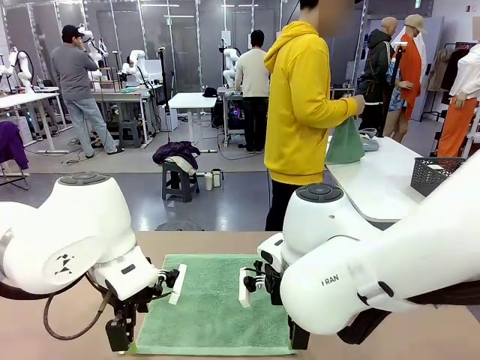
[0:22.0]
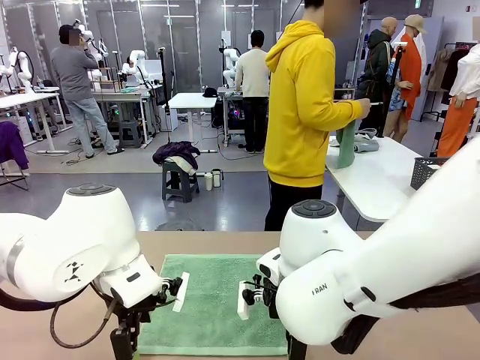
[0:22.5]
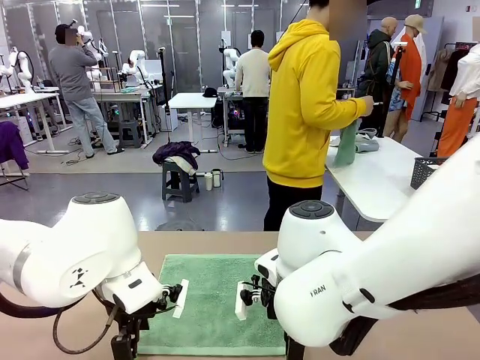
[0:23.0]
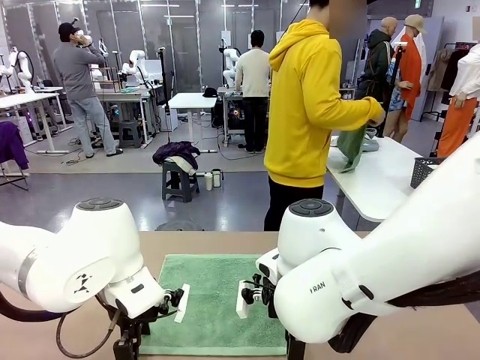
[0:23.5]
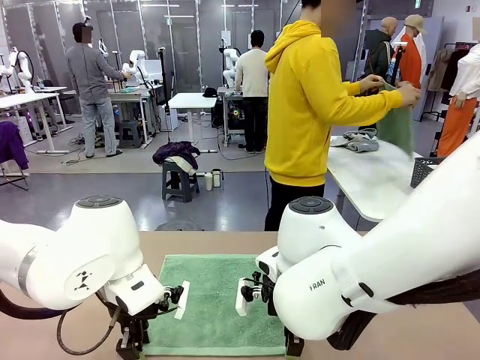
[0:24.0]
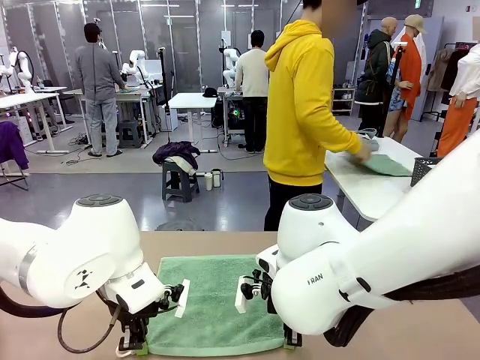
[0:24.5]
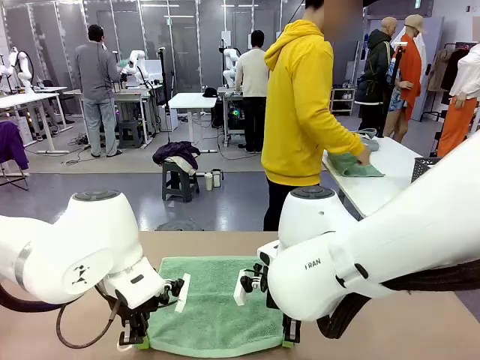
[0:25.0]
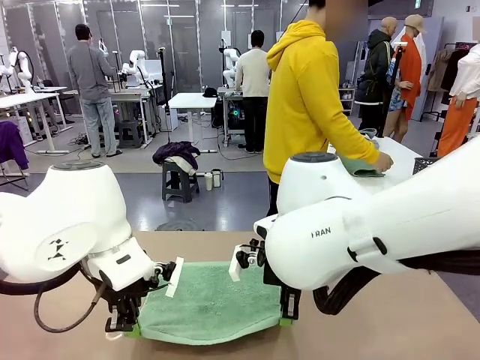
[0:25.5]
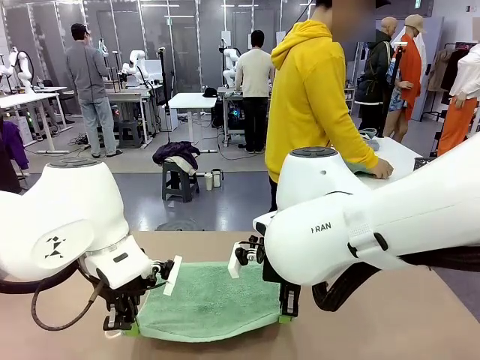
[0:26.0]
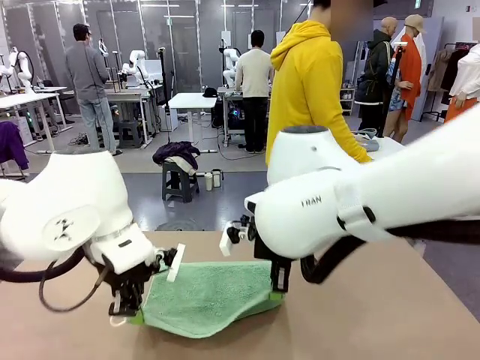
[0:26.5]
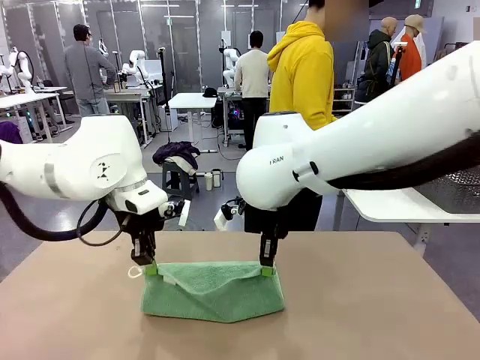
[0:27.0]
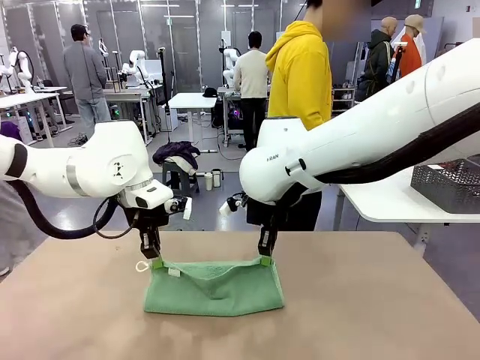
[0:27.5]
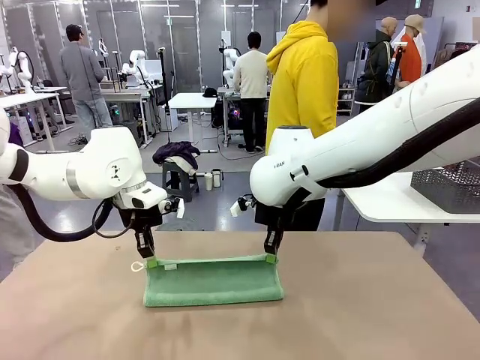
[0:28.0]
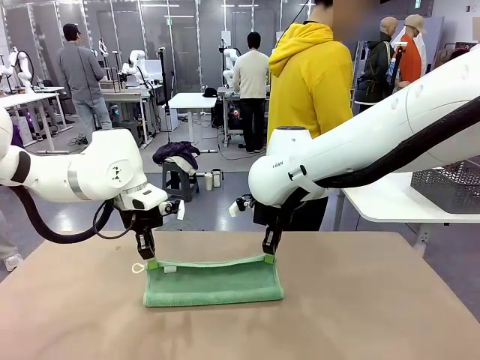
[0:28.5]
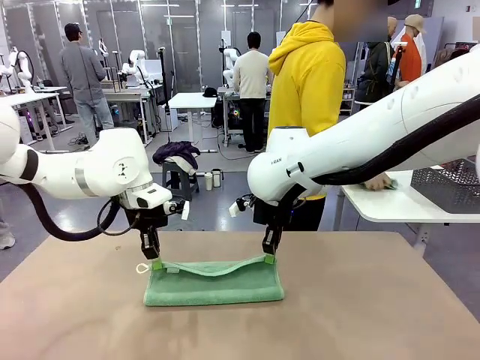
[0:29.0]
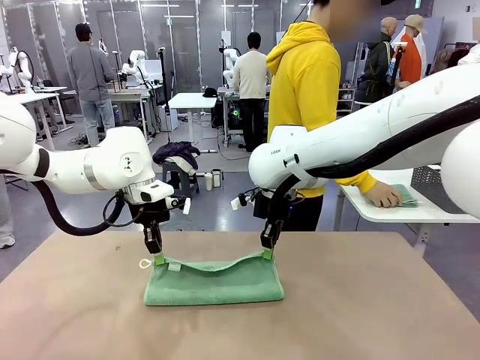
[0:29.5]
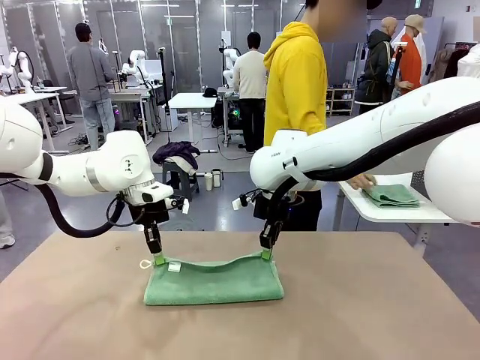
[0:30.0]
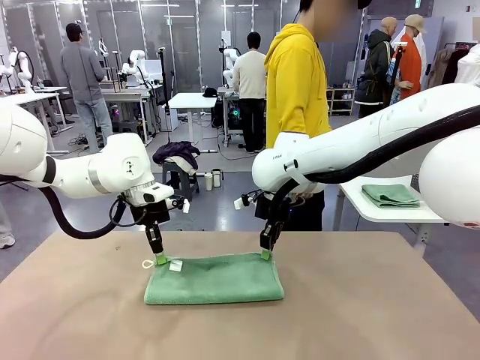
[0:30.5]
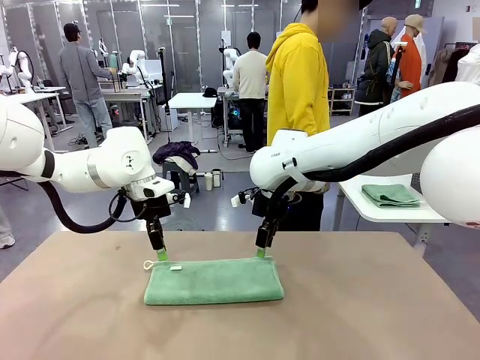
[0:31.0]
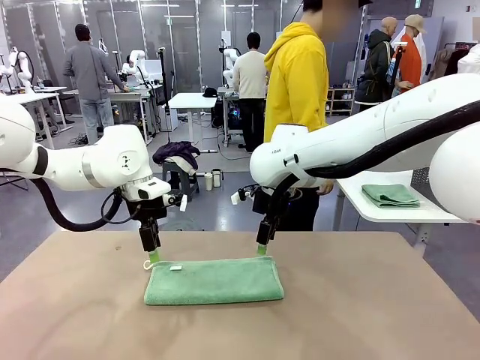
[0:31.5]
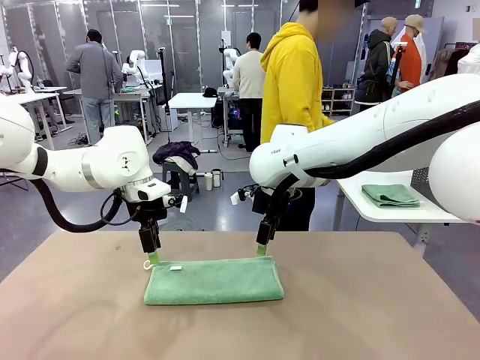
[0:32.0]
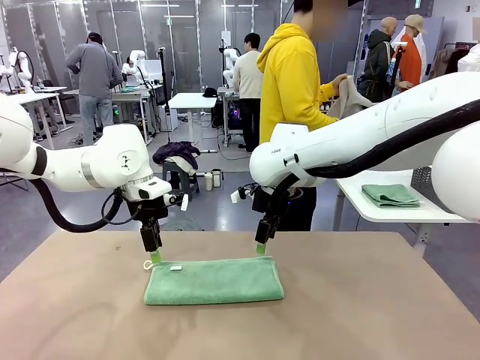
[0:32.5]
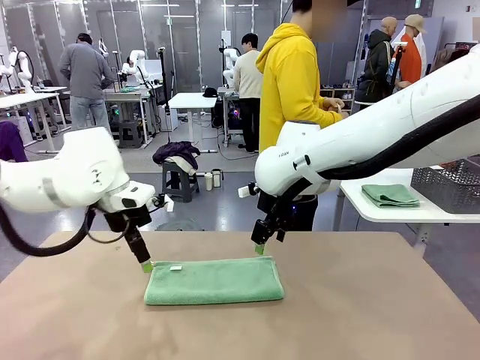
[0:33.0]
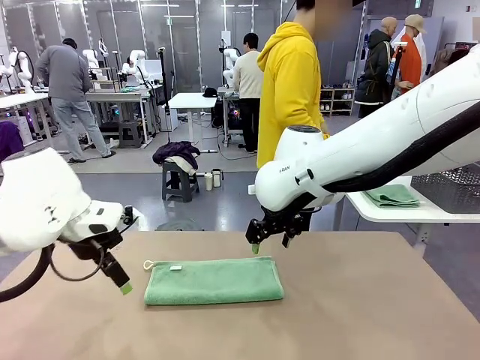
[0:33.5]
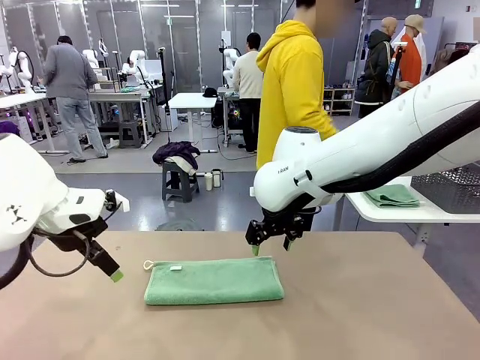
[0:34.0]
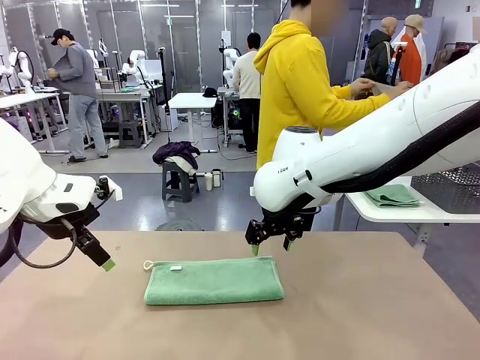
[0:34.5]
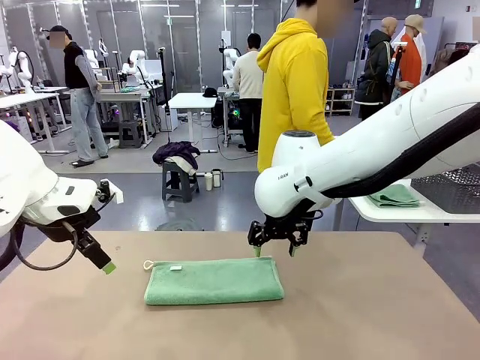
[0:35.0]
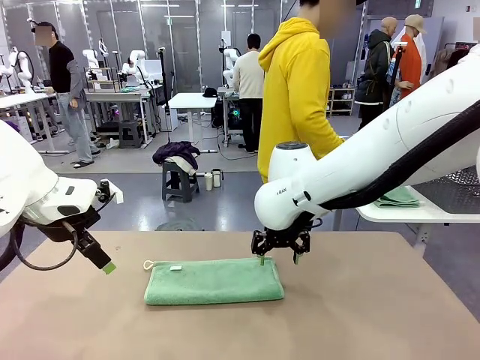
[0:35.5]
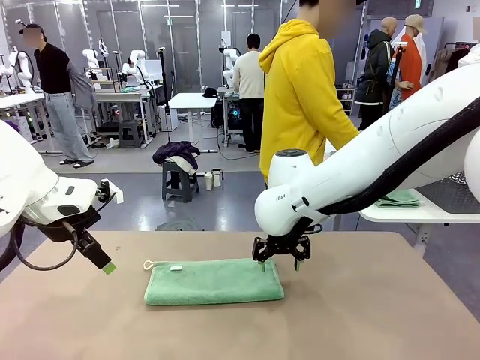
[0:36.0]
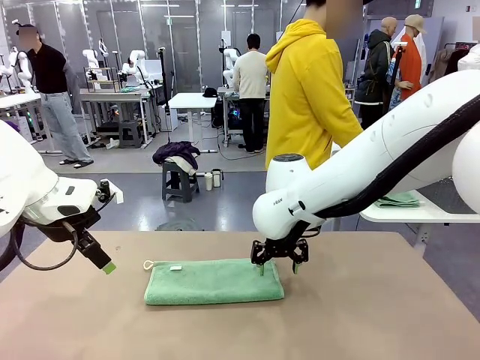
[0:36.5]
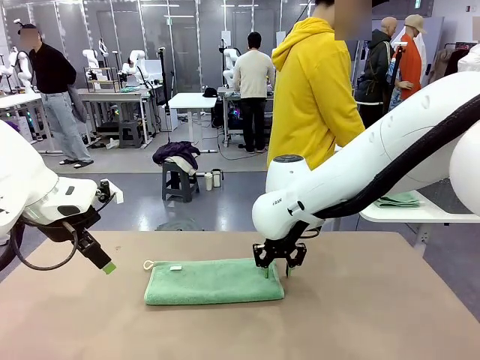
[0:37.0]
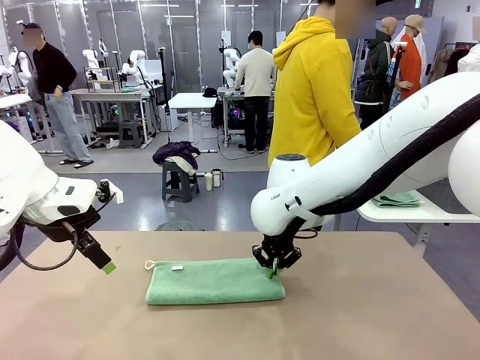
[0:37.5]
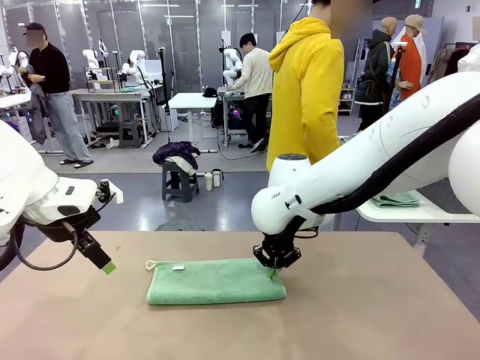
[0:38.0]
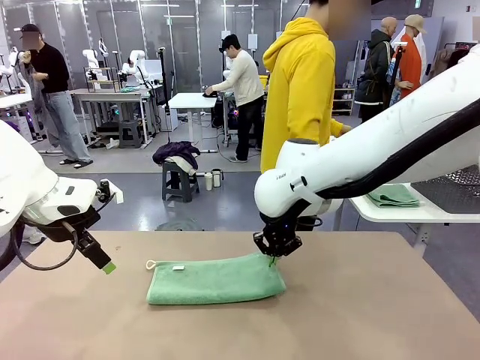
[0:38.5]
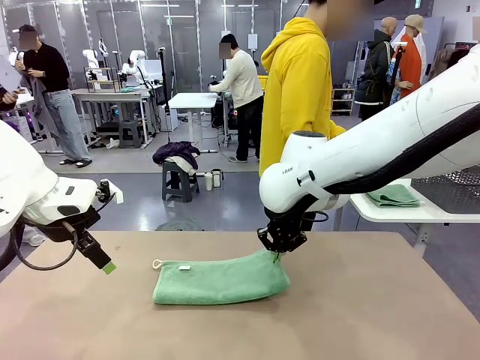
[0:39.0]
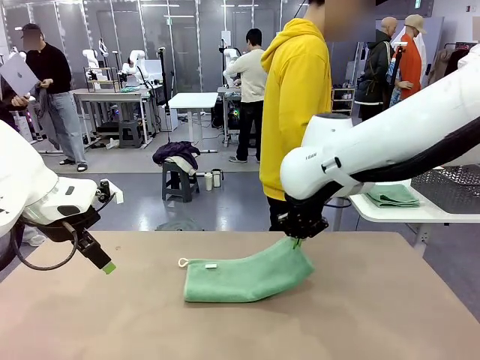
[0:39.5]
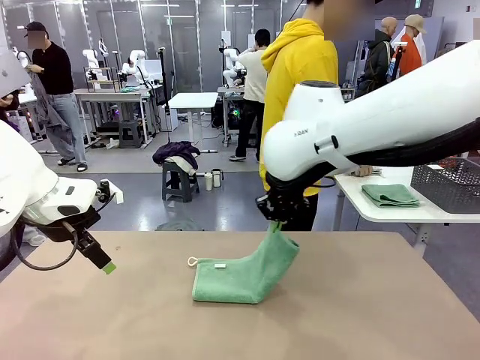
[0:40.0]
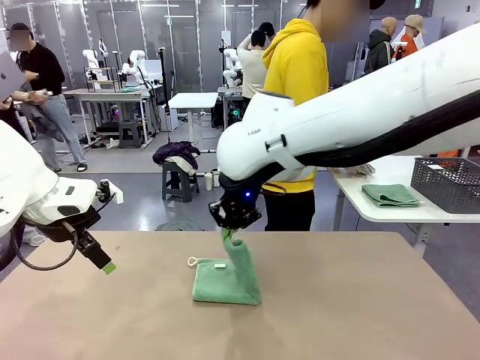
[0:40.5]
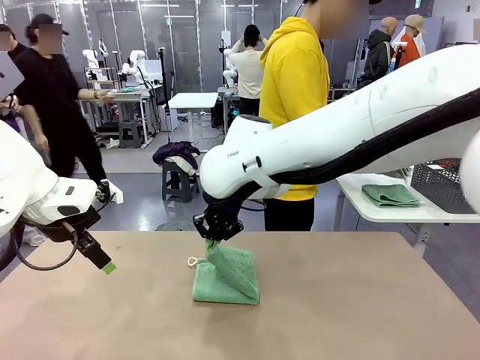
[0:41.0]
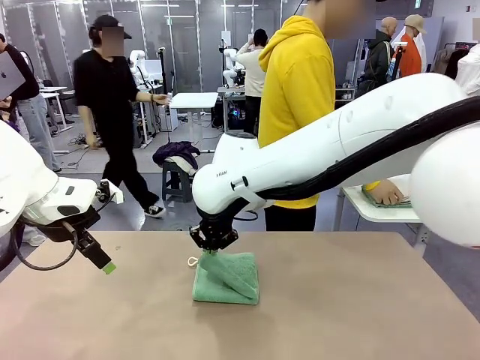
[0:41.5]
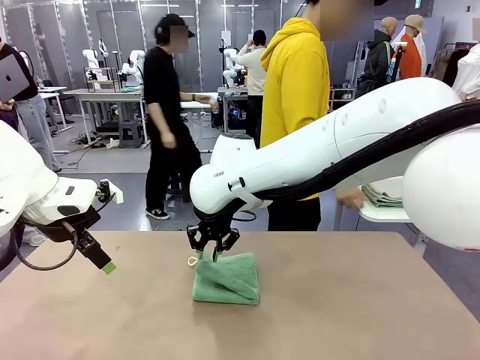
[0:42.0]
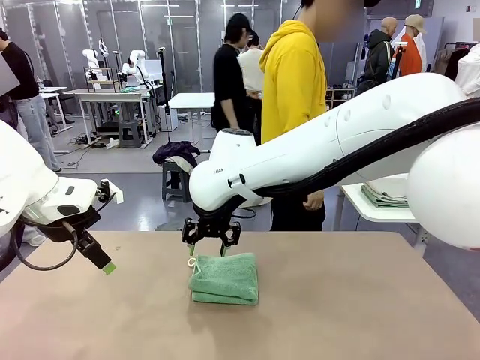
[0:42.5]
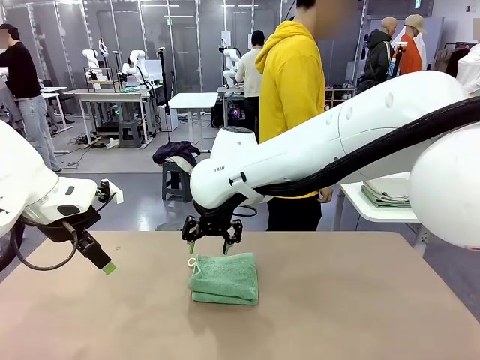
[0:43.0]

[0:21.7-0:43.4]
Task: Fold the towels and place them in the basket.
Robot: When a person lays out a Towel with hook on the table, fold it in half twice.
Person: Pick up one towel from the left side of the human table, fold it in half twice, and place it on the right side of the table. Pick up one towel from the left side of the human table, fold it in half twice, and stack it on the right side of the table.
